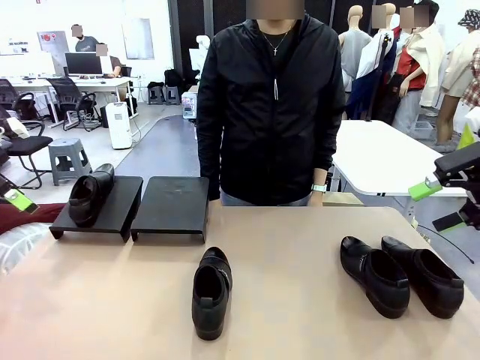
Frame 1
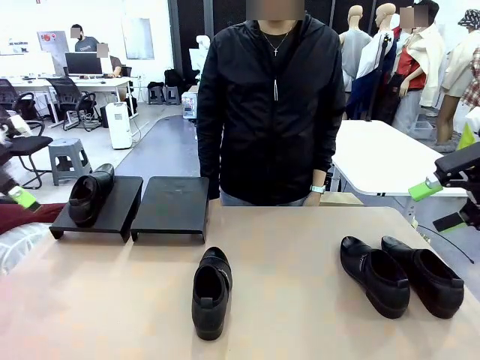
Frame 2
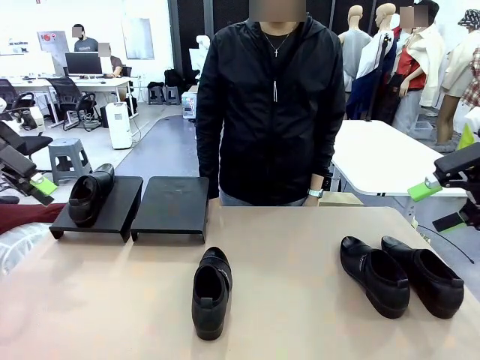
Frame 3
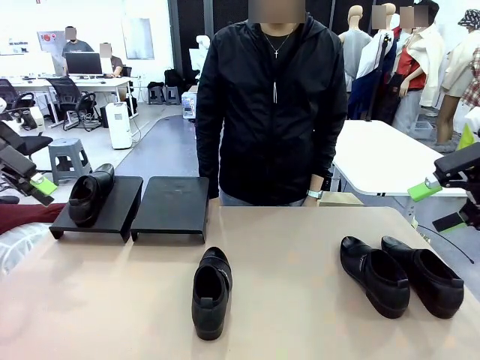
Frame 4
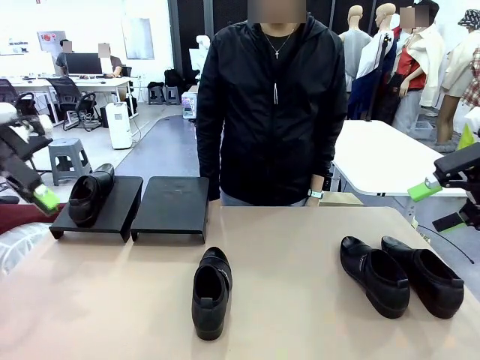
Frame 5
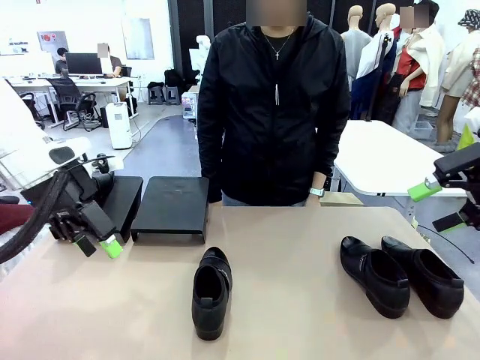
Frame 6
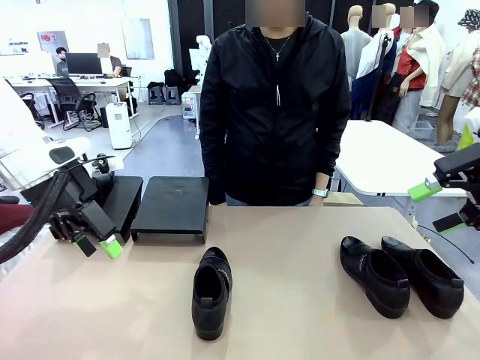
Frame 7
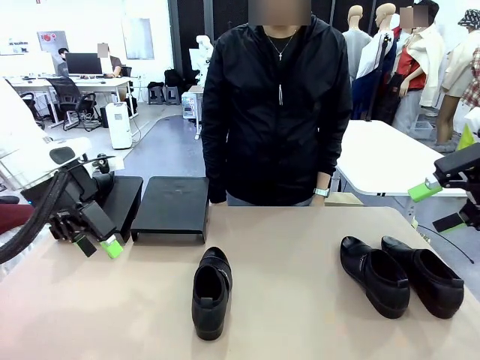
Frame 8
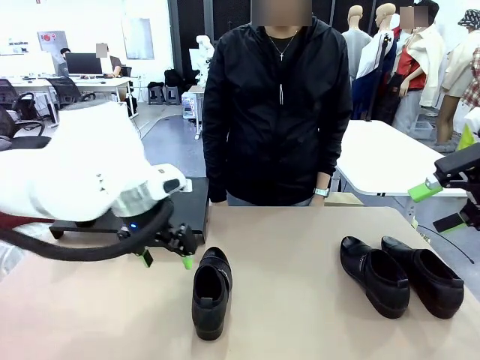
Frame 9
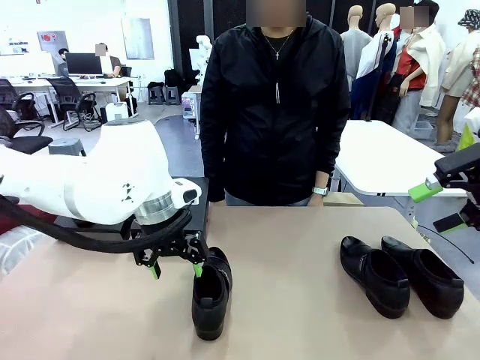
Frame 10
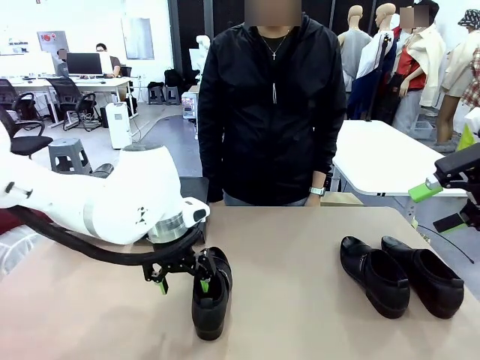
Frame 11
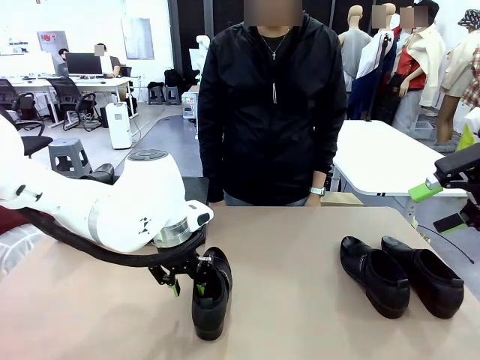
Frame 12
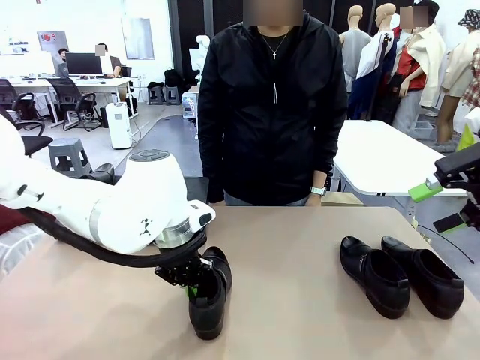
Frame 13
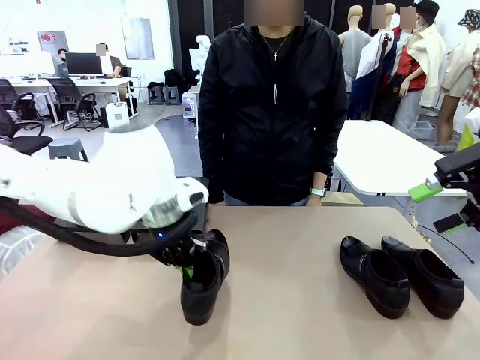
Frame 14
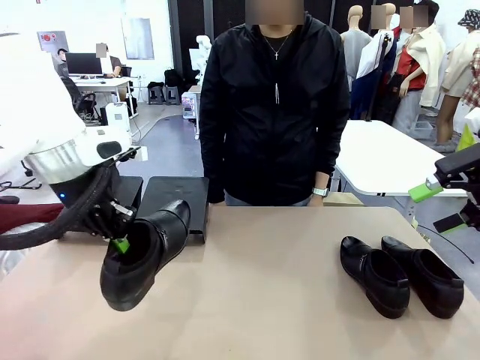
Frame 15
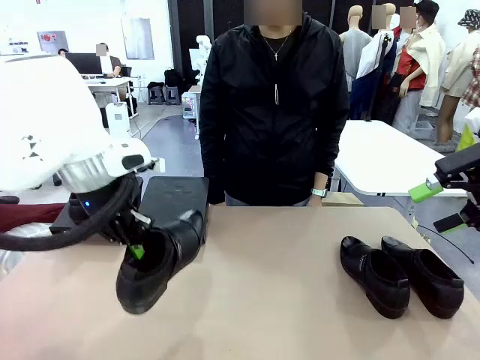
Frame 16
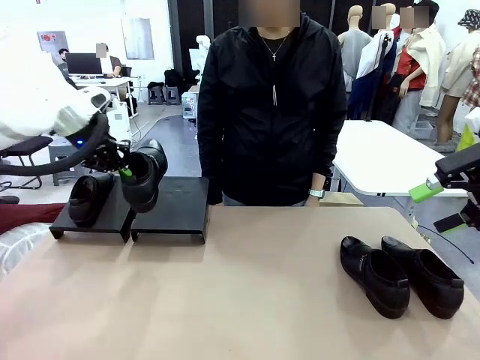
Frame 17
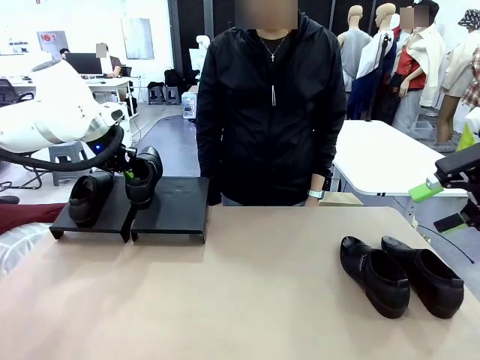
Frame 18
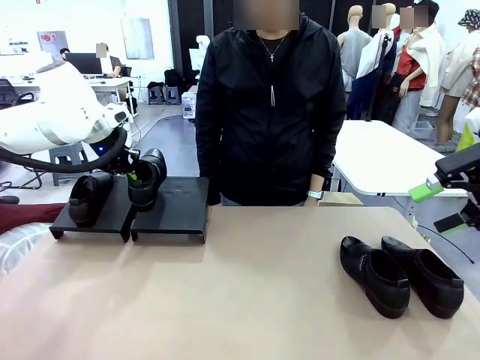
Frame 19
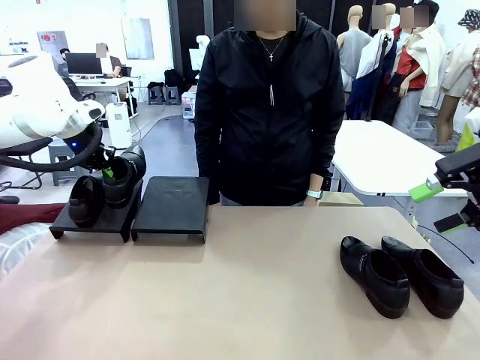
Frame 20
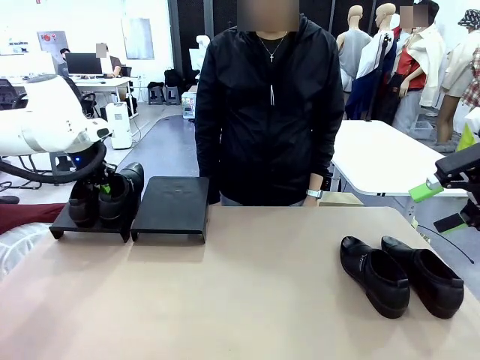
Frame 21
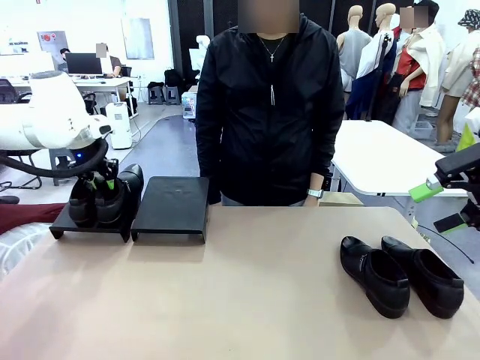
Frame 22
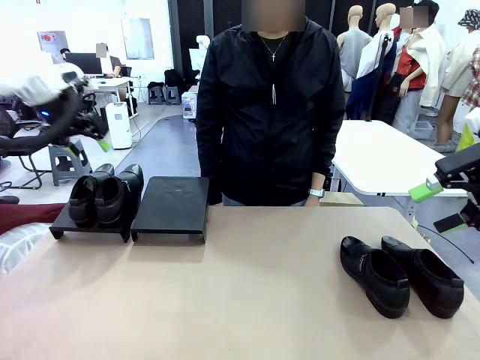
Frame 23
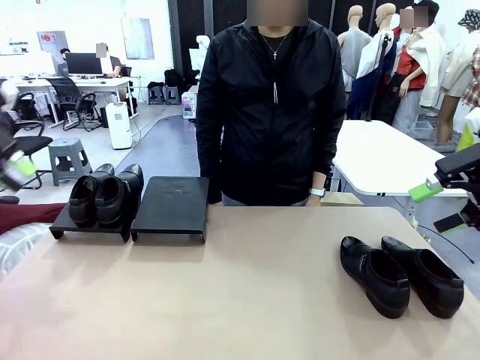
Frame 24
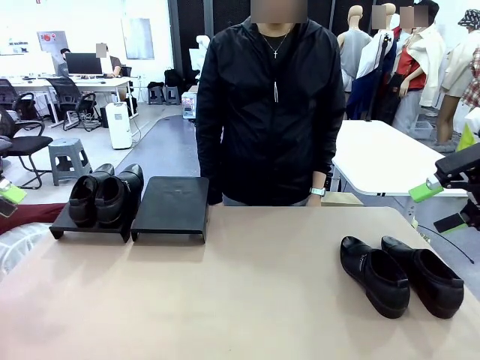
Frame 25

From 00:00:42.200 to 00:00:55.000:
Task: Organize the shoes by placing them on the stand.
Robot: Place the Shoe from the middle of the table onto the Shoes Stand.

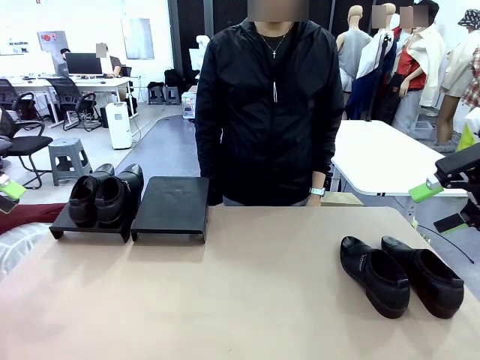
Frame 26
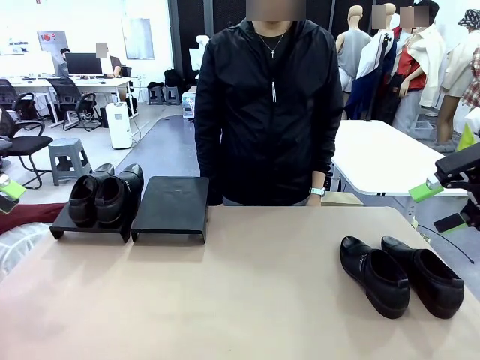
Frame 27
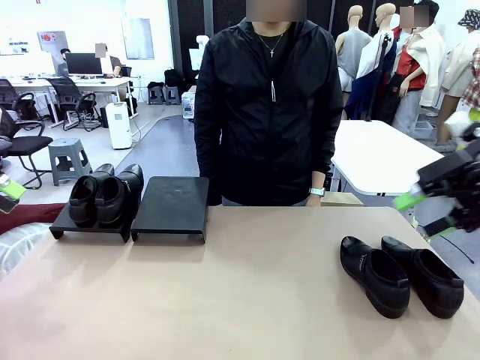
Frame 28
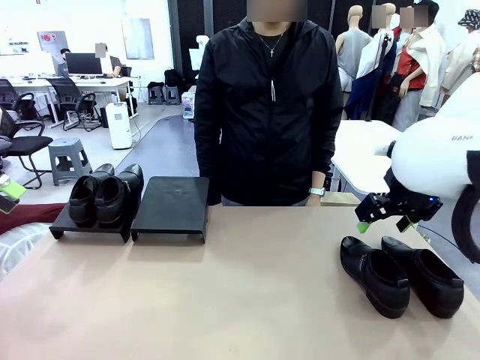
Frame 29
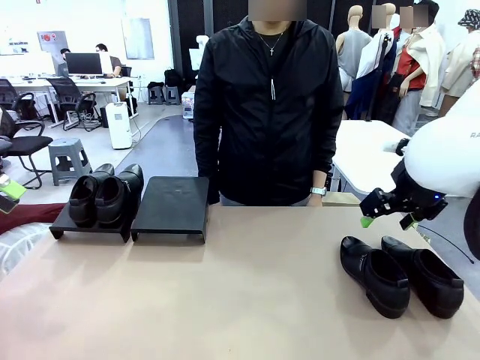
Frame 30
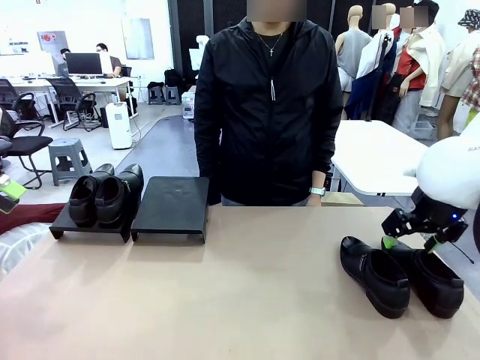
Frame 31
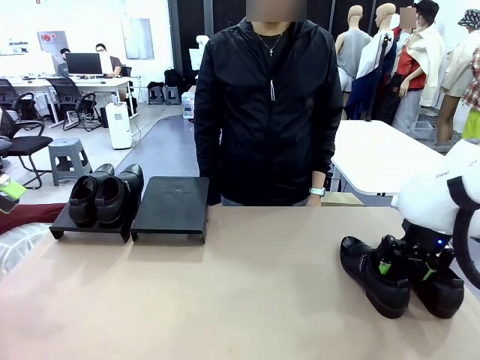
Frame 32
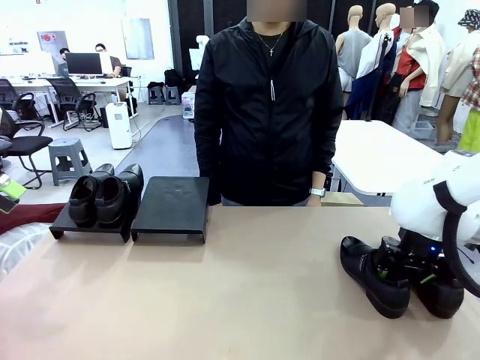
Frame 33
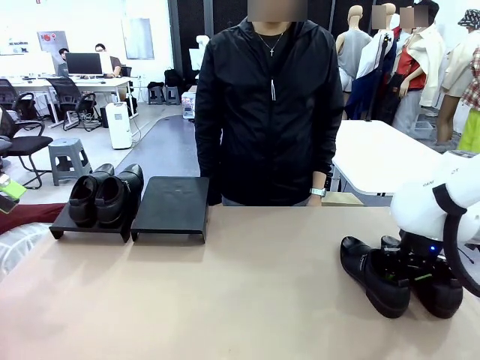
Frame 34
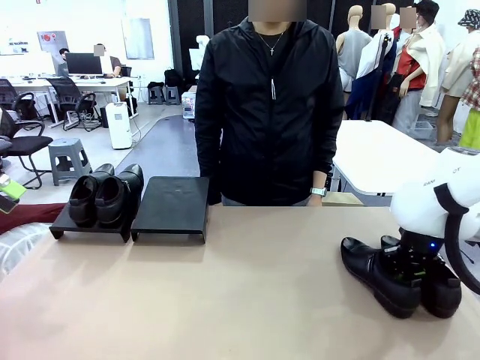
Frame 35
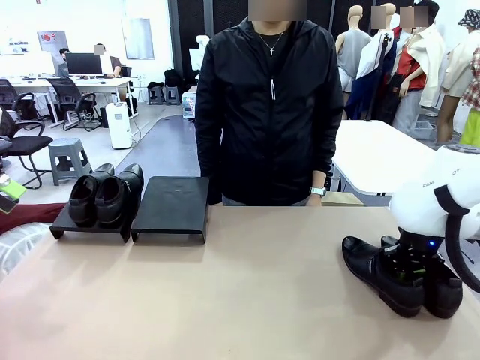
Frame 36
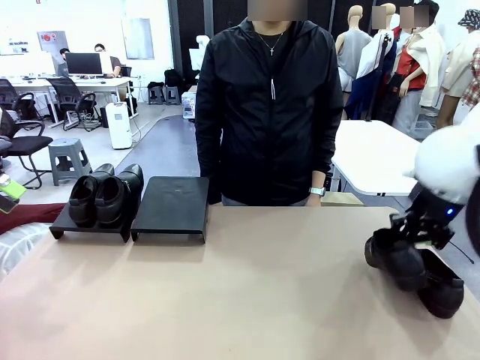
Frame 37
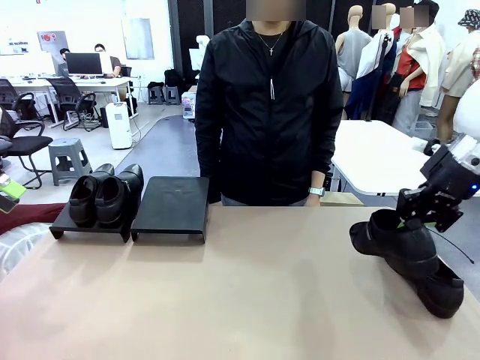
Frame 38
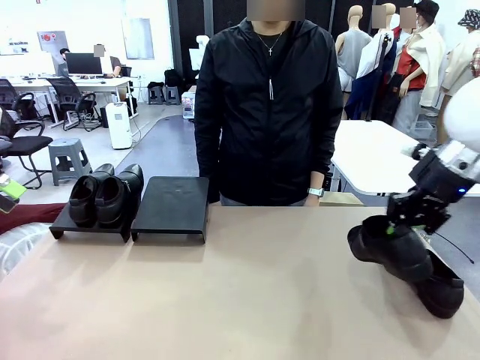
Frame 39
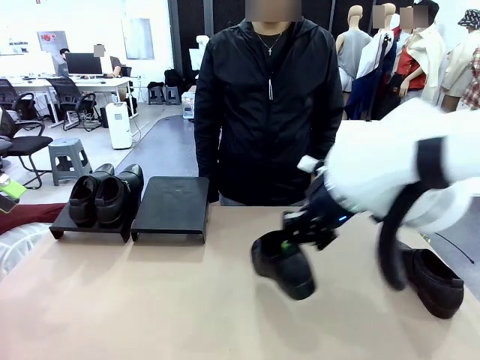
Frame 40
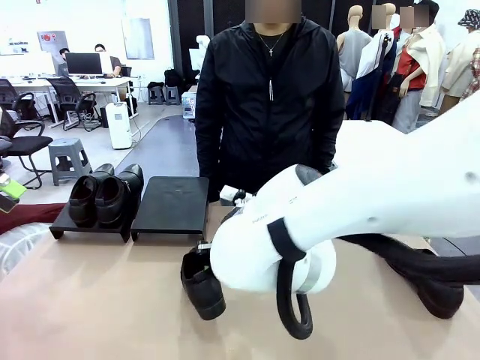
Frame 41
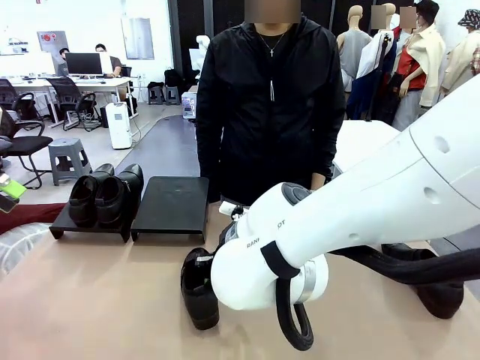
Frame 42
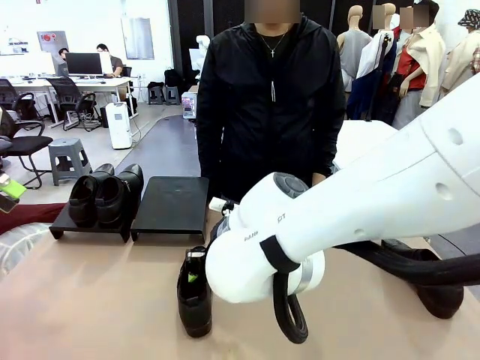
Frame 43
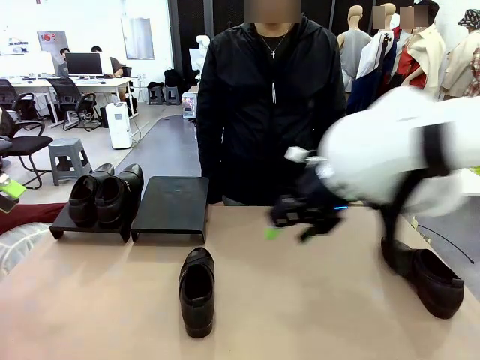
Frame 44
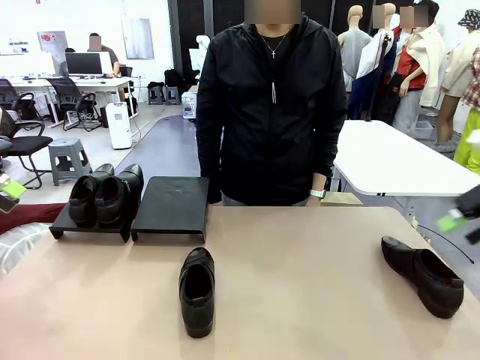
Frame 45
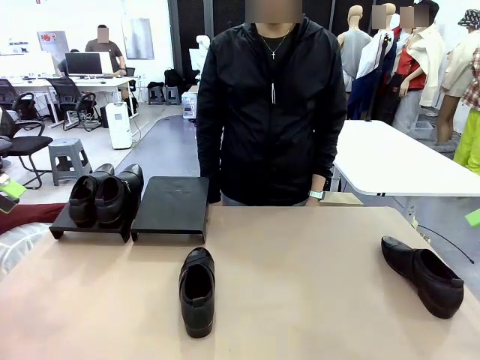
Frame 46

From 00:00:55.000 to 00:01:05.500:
Robot: Pick up one Shoe and place it in the middle of the table.
